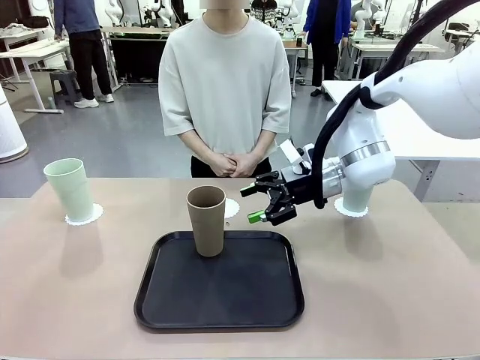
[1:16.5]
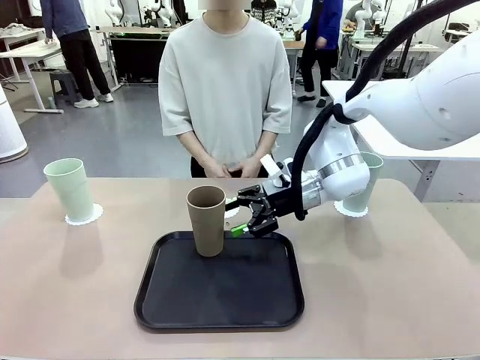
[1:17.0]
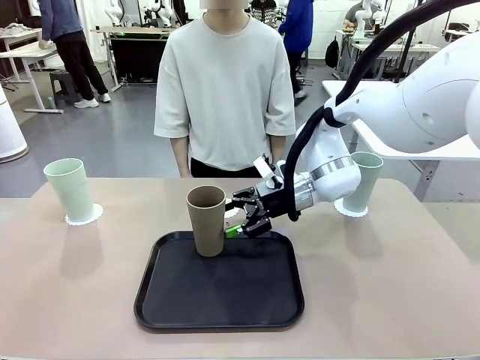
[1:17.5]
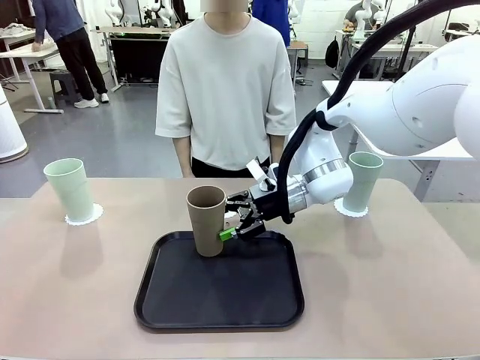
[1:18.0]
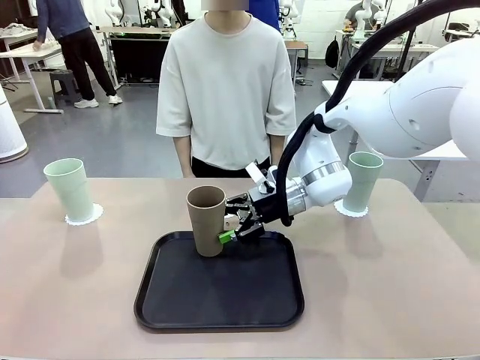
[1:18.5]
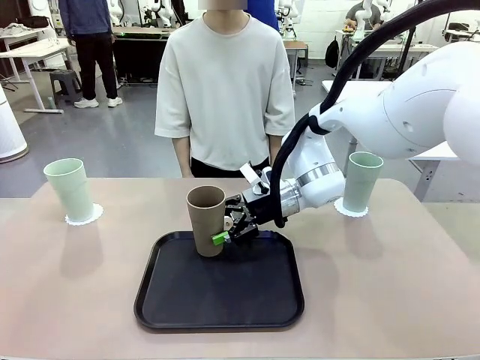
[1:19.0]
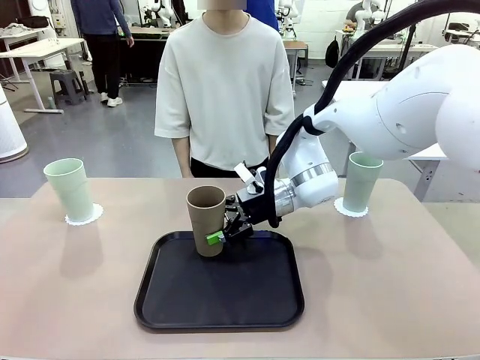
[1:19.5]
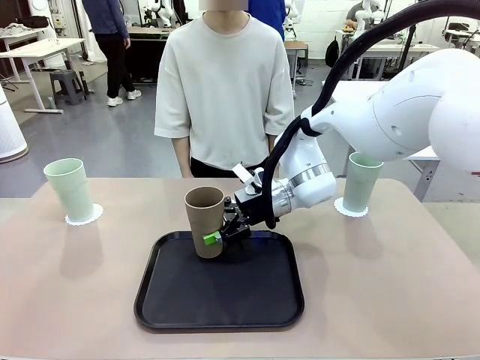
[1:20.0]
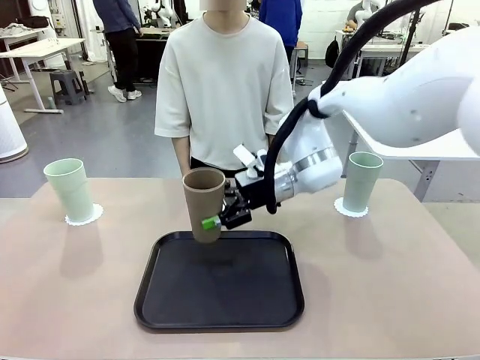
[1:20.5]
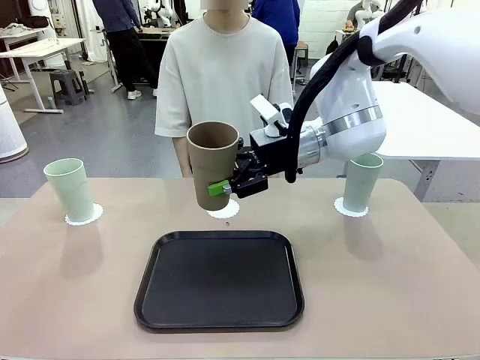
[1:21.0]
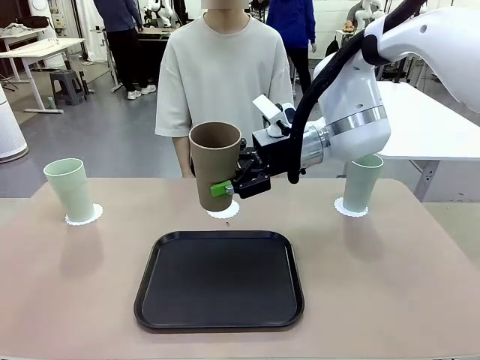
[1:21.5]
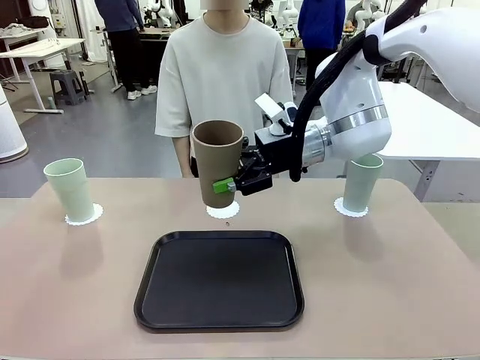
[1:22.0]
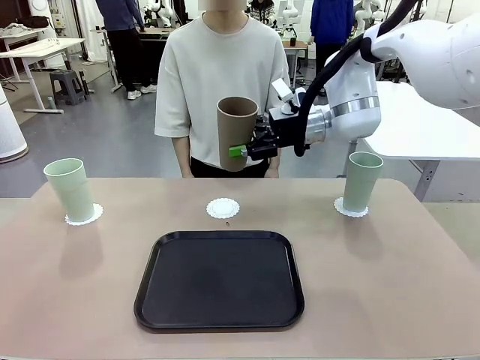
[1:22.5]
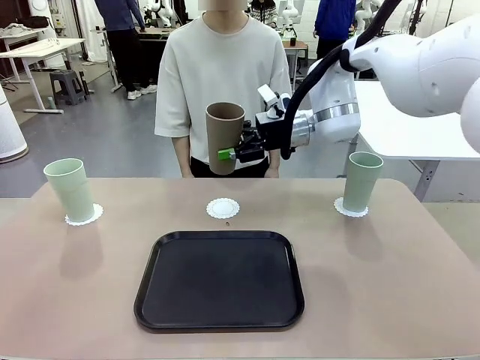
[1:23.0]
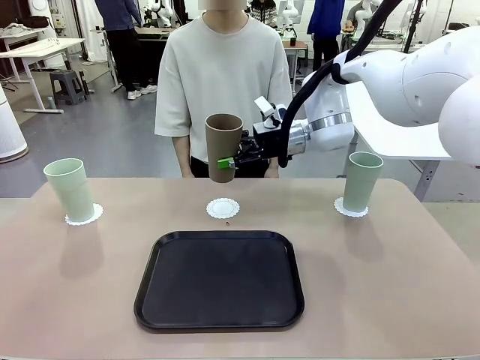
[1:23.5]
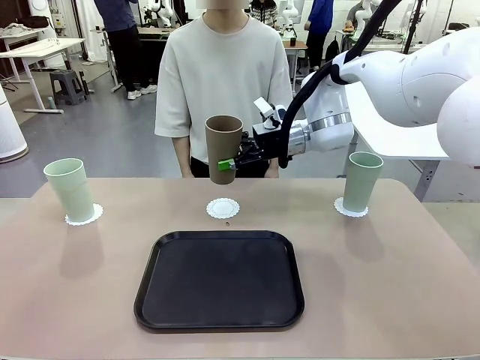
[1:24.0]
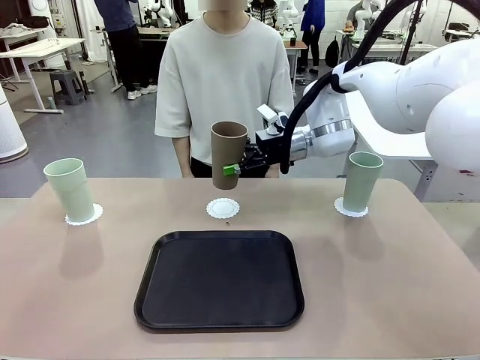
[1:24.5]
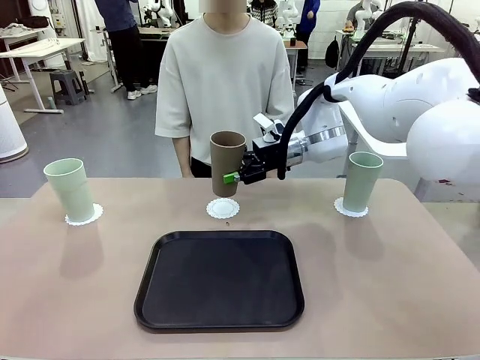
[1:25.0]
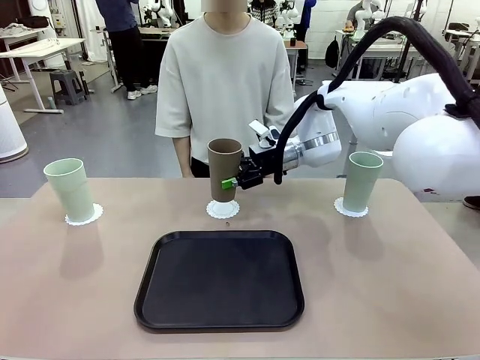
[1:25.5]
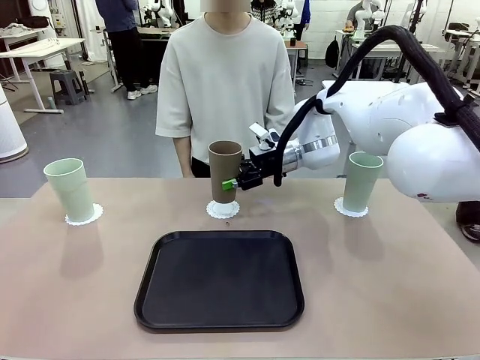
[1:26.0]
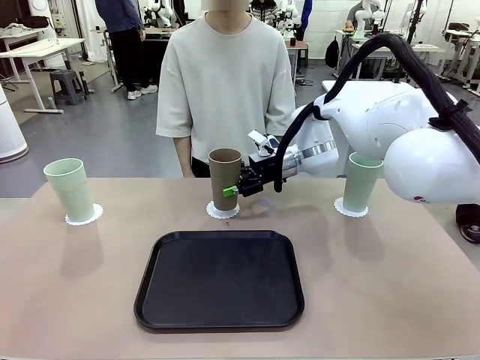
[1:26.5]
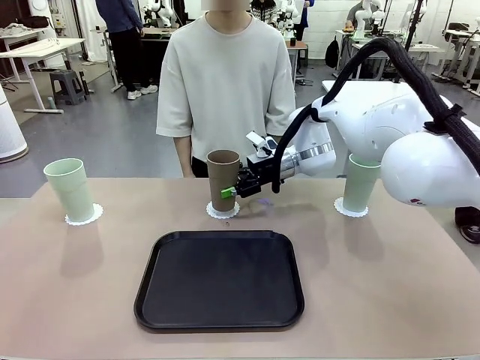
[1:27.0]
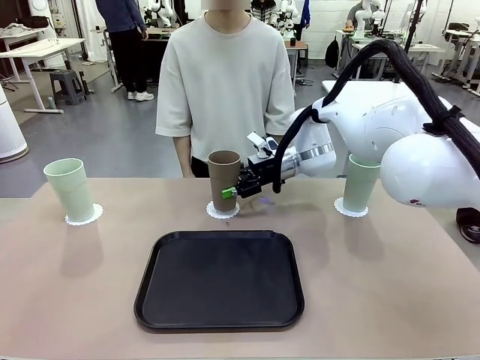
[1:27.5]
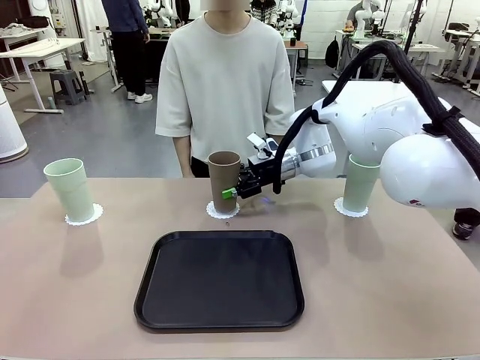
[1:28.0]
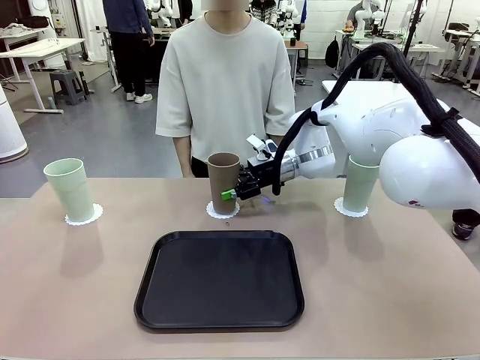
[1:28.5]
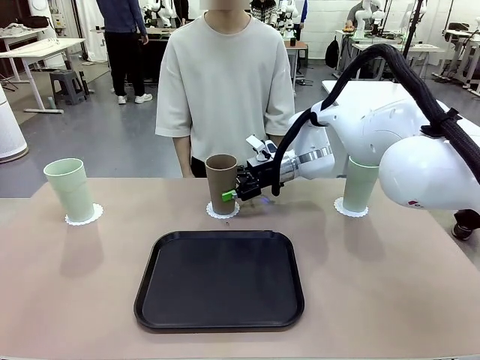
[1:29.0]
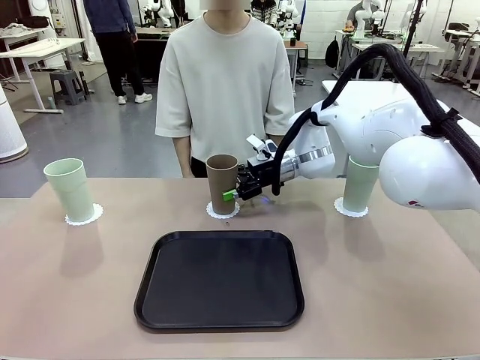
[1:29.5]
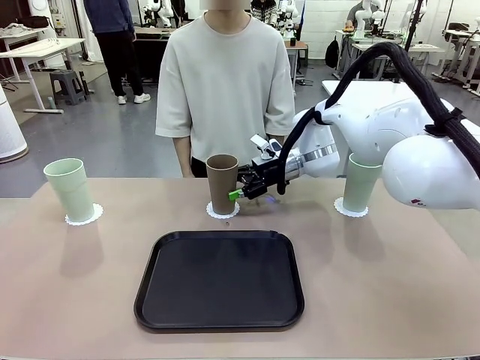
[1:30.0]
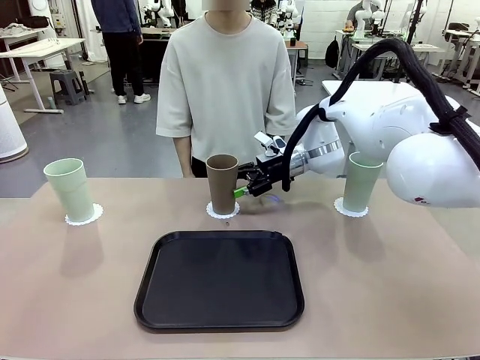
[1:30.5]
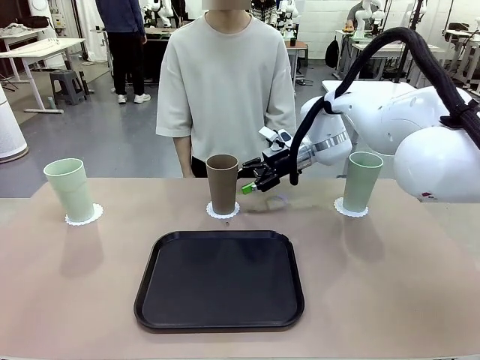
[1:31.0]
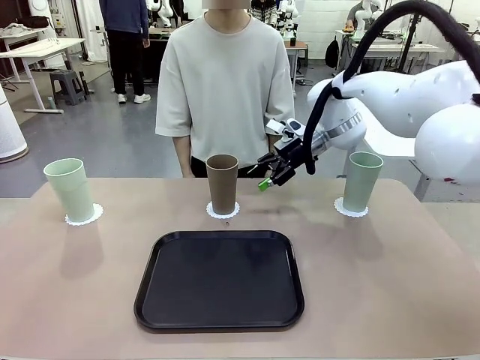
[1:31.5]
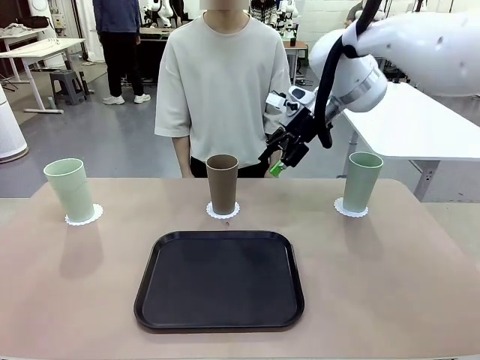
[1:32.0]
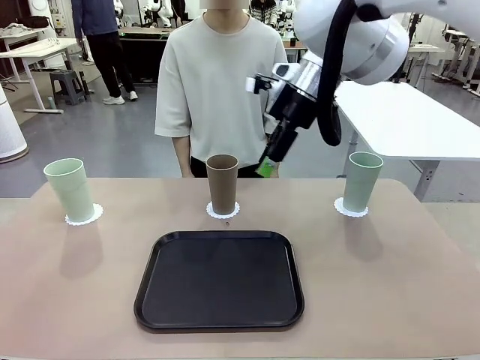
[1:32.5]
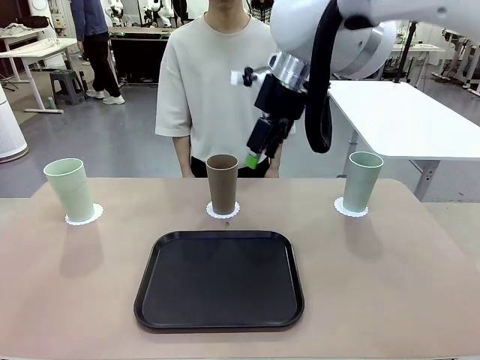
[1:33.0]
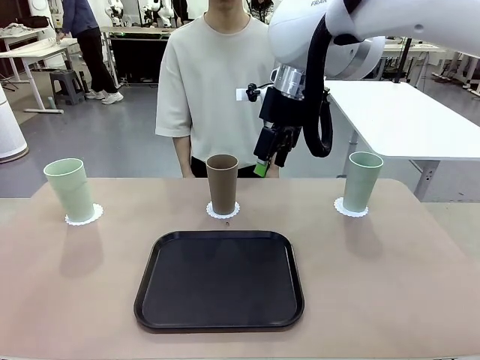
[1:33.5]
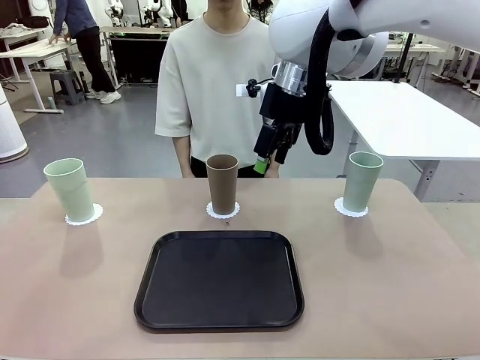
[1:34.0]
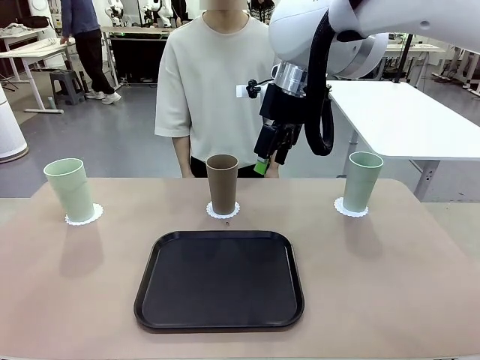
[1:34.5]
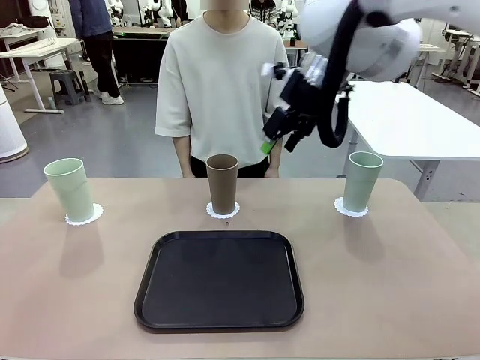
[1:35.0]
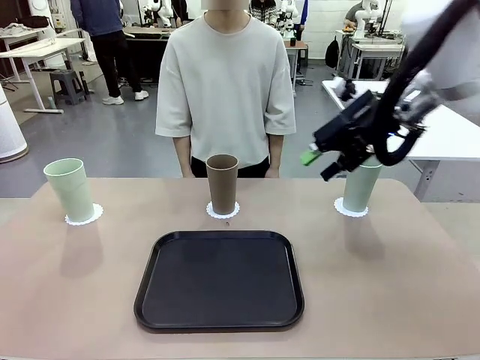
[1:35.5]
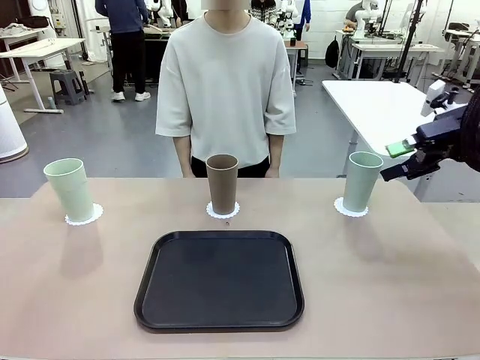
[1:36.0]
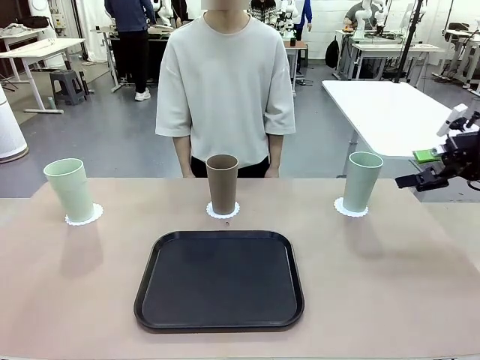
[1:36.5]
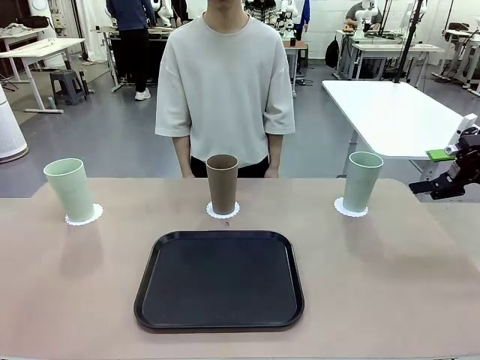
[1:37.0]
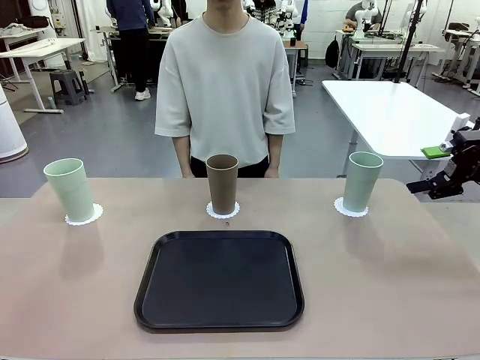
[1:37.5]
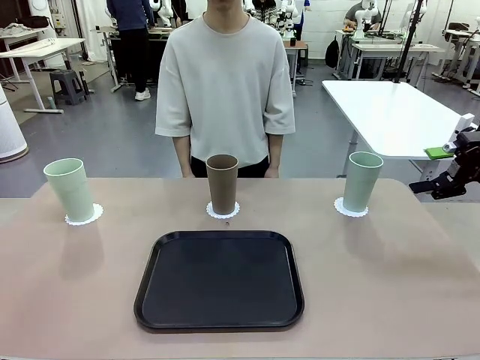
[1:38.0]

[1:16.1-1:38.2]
Task: Place coasters on the table and set cups on them.
Robot: Take one Reusable plastic cup from the Flat Tray and place it on a coaster set by the human.
